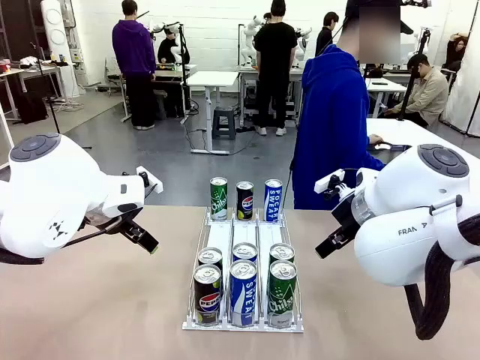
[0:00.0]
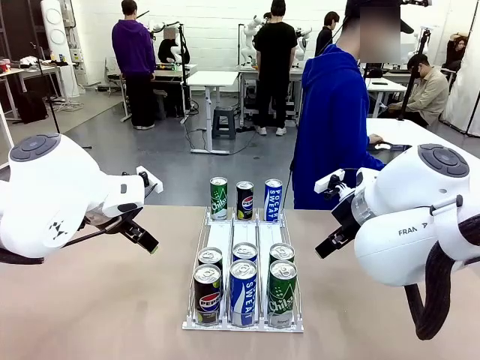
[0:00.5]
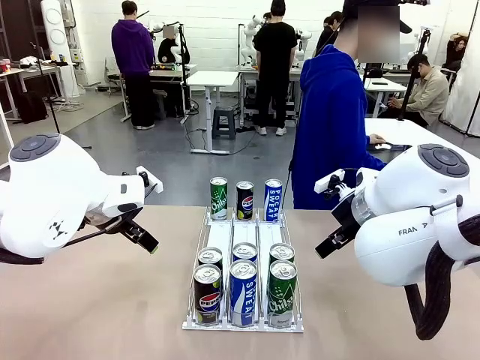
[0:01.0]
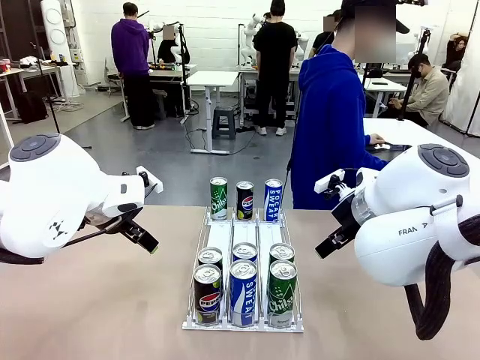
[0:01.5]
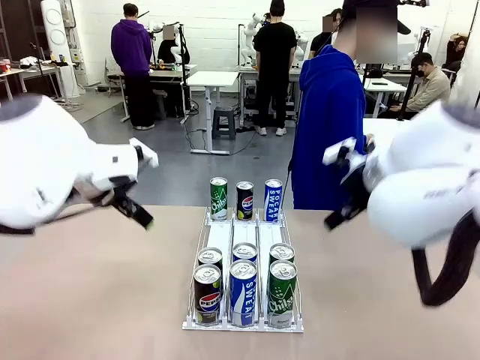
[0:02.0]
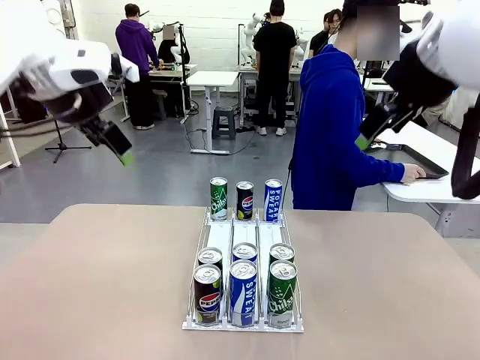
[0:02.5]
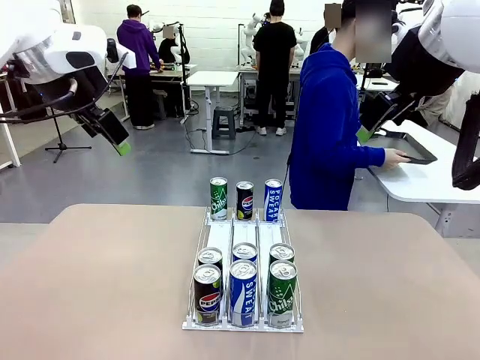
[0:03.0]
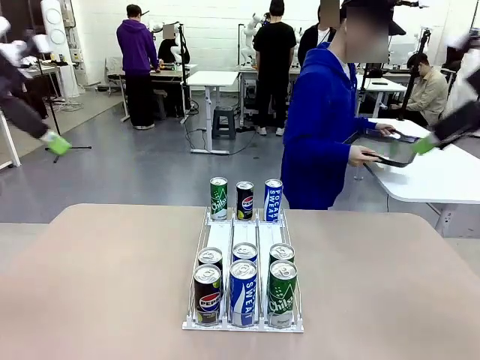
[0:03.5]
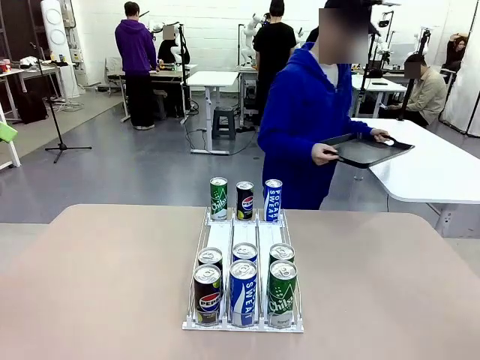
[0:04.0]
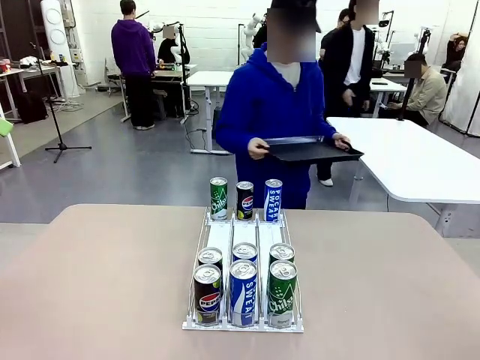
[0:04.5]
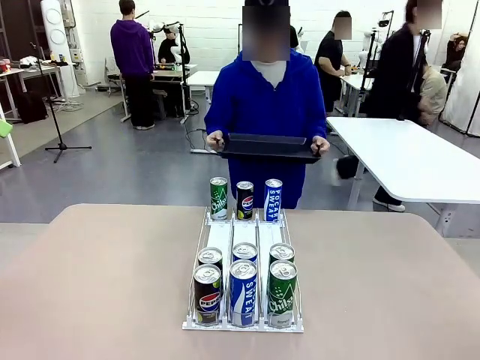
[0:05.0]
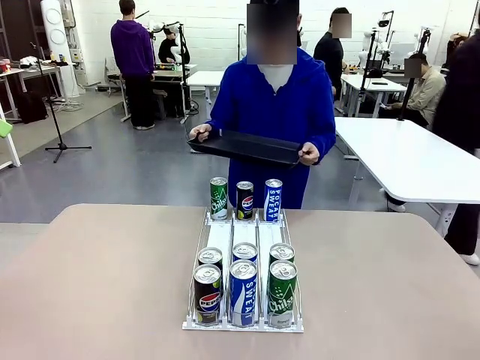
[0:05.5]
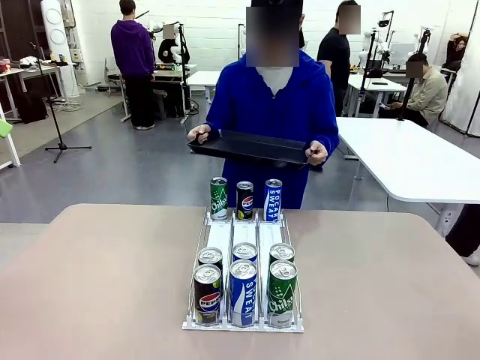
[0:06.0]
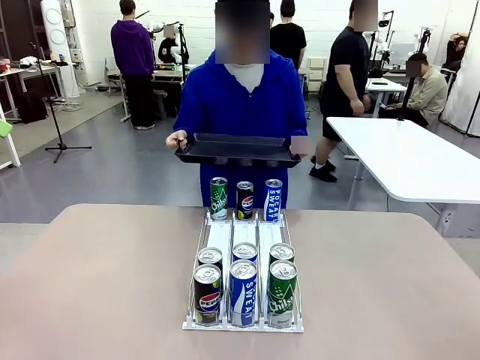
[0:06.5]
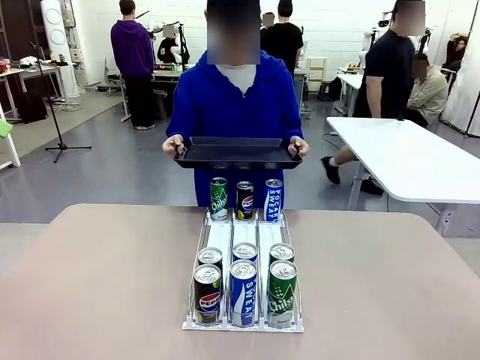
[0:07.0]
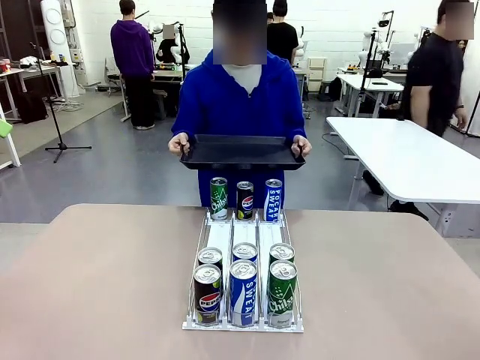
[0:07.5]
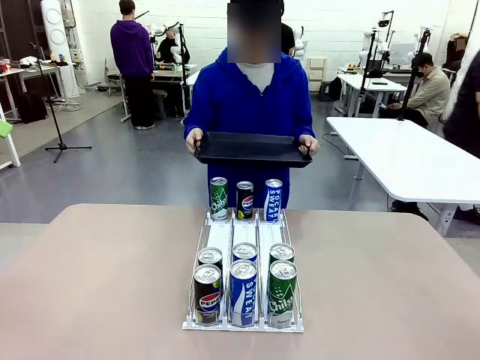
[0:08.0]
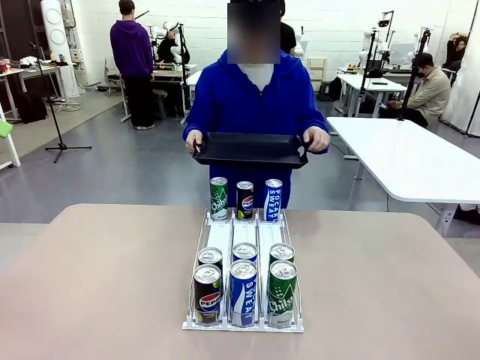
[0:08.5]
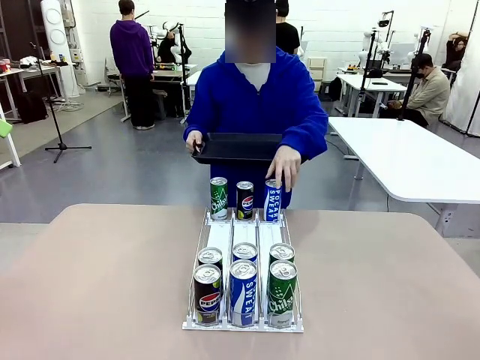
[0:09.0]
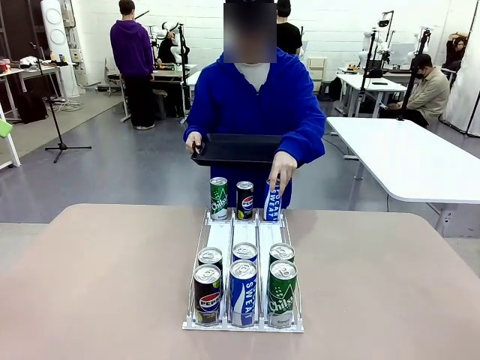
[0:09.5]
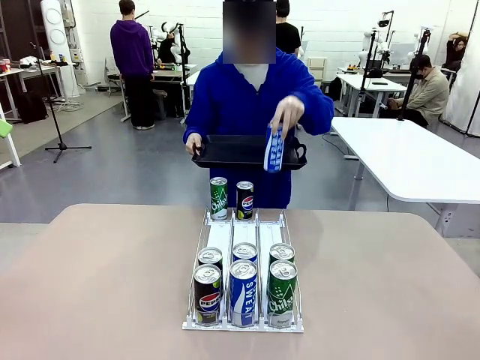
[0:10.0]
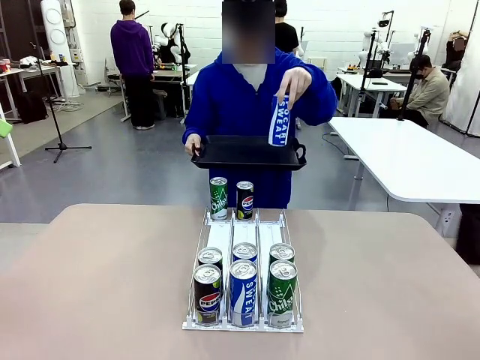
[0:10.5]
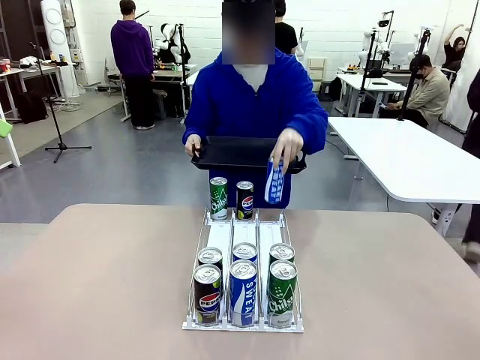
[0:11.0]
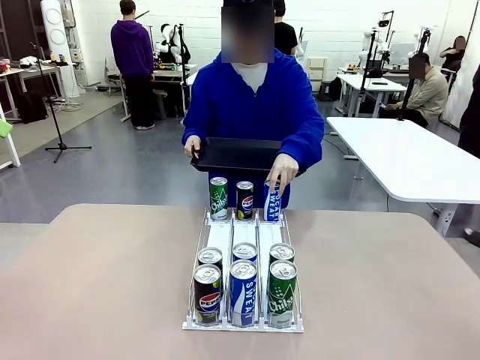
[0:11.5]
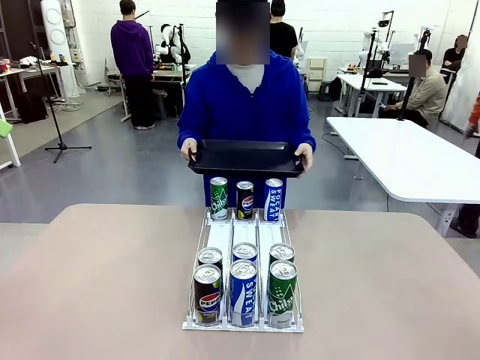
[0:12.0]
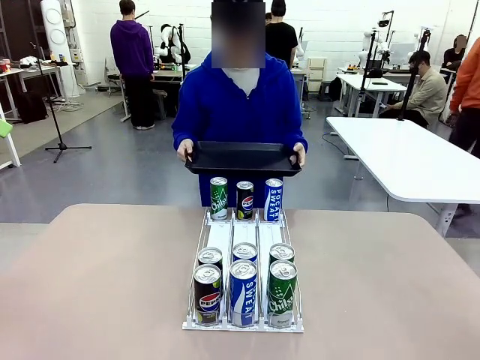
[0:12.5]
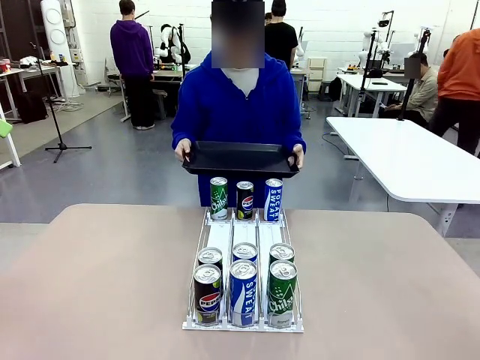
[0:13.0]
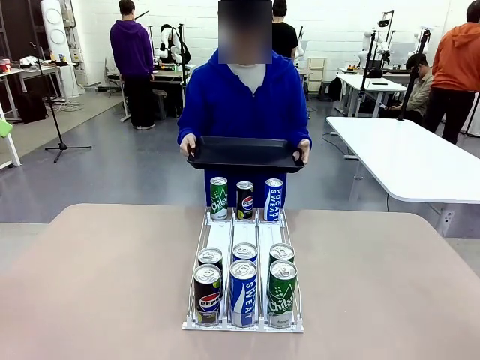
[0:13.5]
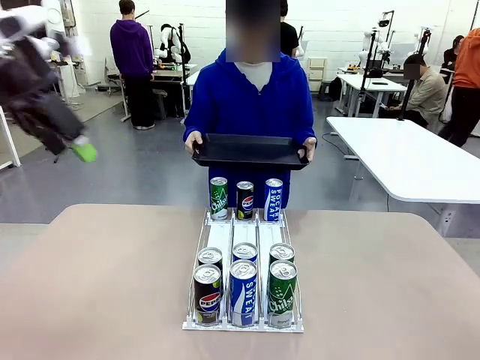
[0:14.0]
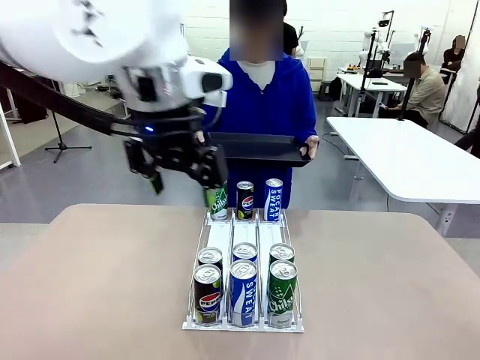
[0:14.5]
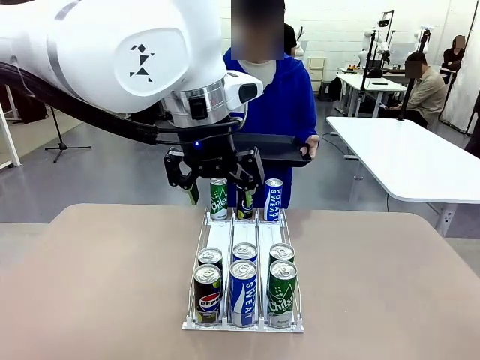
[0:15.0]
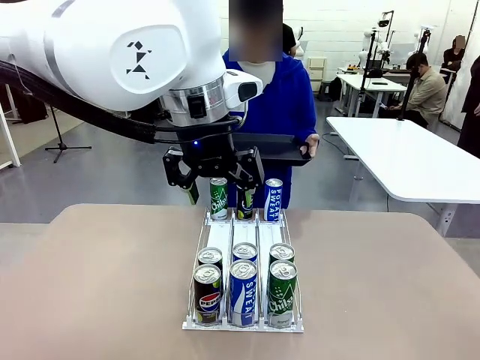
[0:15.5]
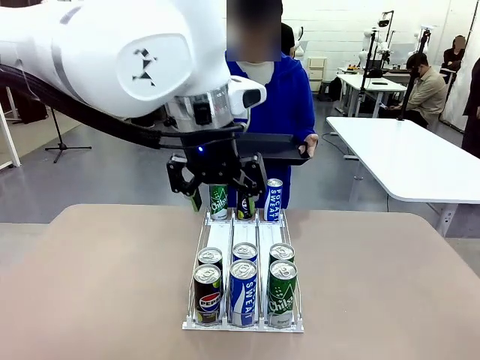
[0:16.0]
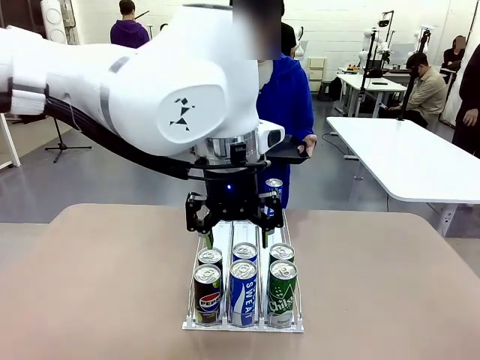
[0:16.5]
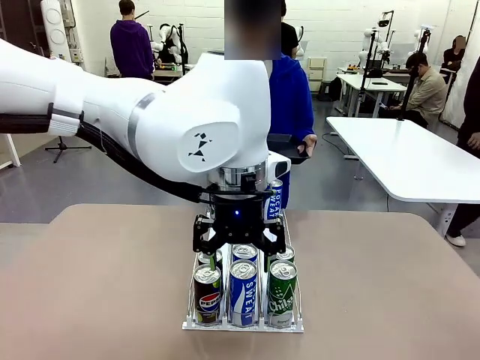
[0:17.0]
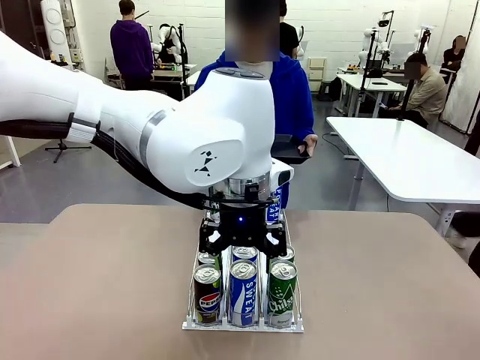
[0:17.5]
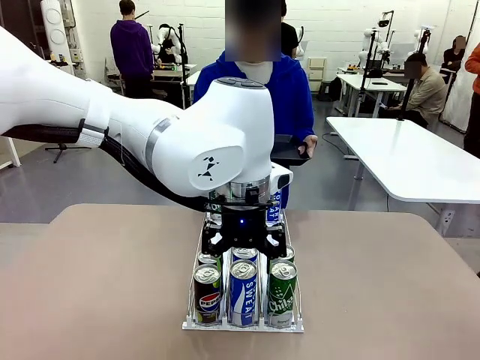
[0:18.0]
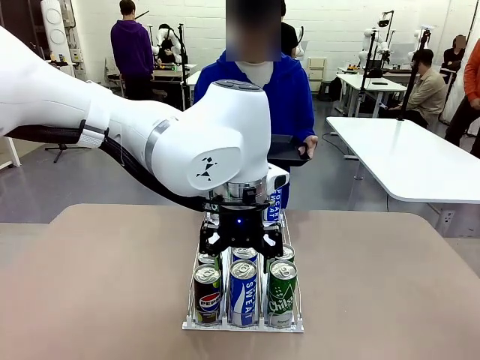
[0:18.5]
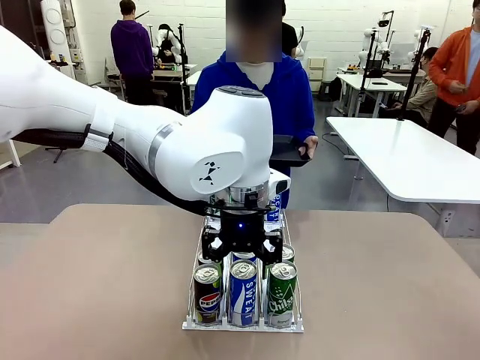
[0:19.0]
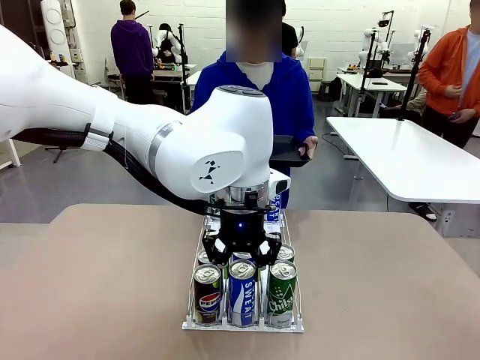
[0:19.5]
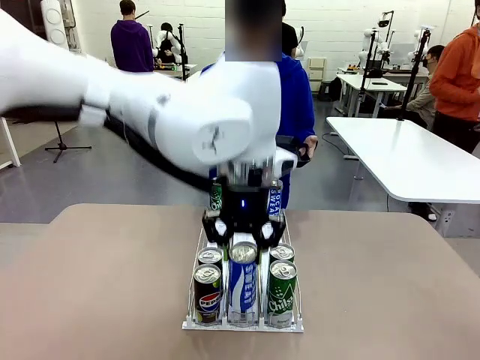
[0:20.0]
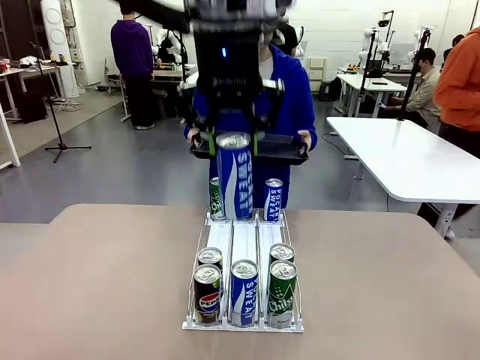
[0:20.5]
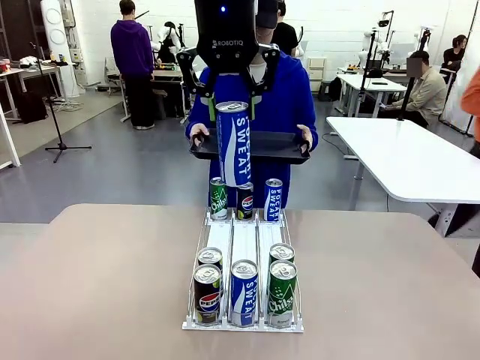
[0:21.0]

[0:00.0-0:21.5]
Task: Retrieve and hand over the desired beverage to the person.
Robot: Pick up a can of the same type that the person held from the Automatic Can Dispenser.
Person: Hold the tray and position yourself in front of the robot table. Pick up one can from the bottom area of the table and puts it back in its original place. Push the tray toward the robot.

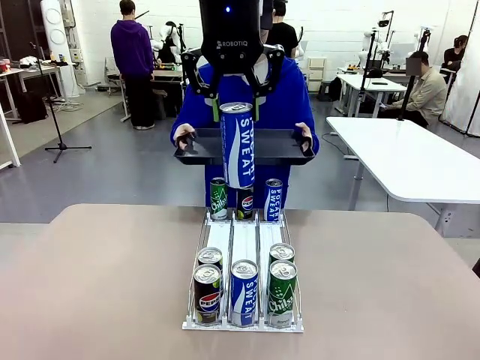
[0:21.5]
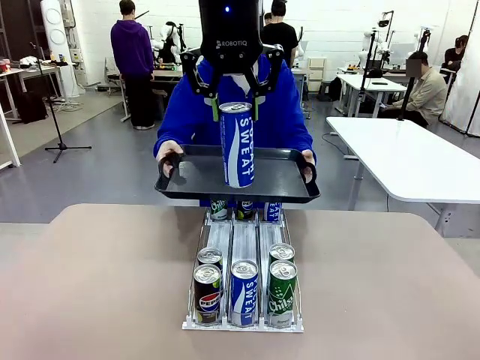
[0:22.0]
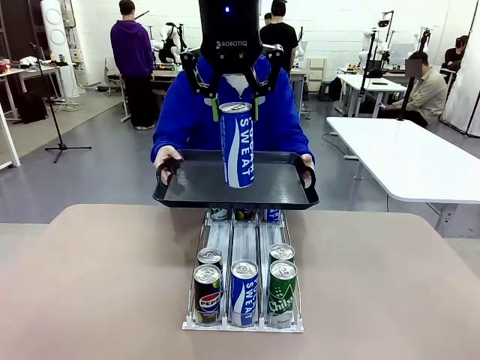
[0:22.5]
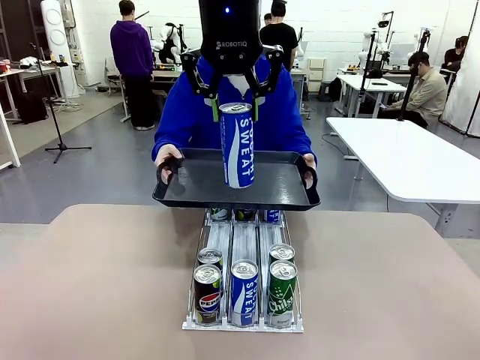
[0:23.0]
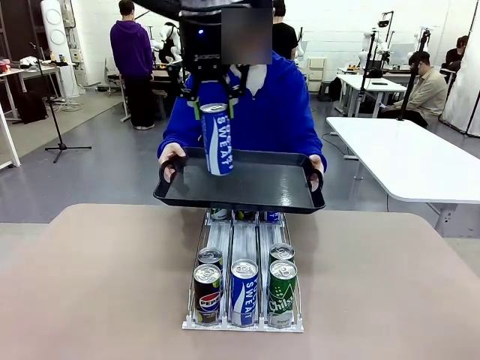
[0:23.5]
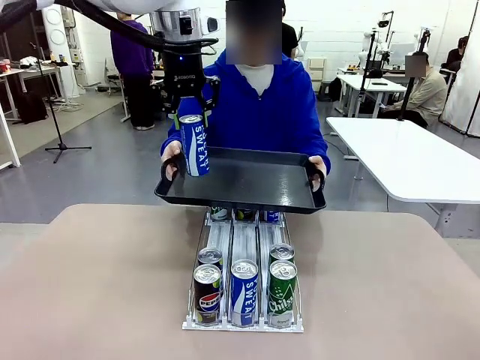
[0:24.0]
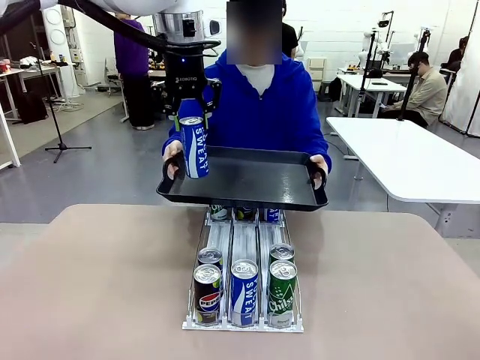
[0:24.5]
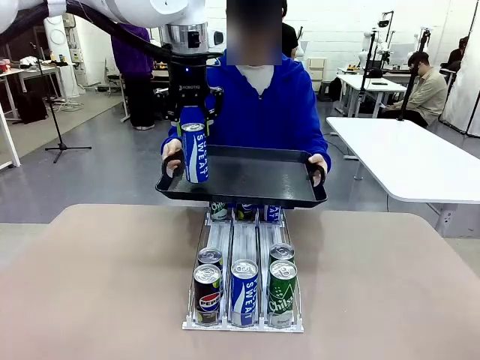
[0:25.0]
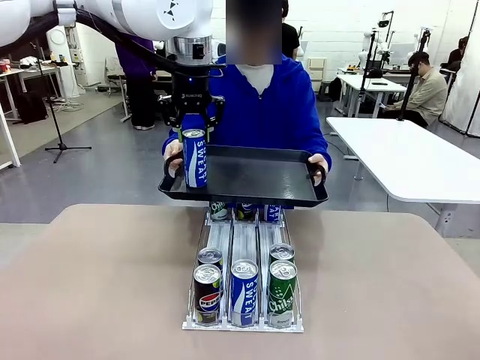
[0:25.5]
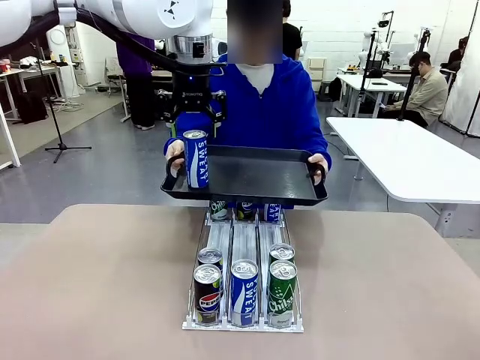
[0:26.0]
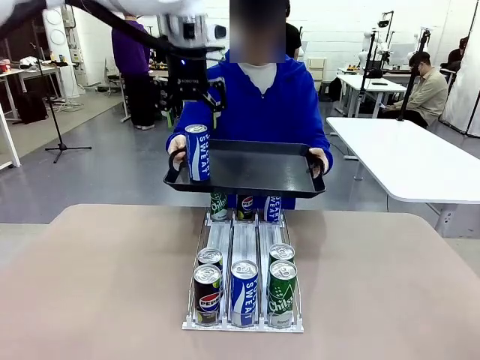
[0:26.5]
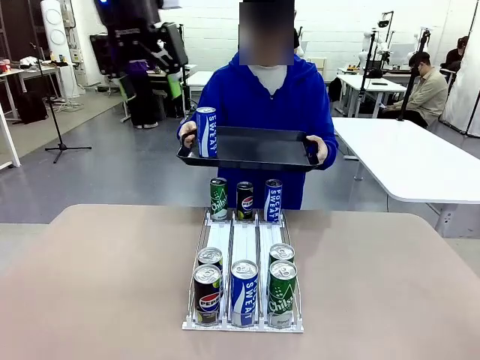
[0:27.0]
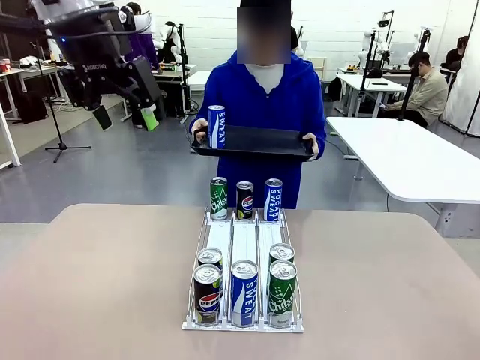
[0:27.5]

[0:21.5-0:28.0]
Robot: Place the picked can on the Handle tray extended by the person.
